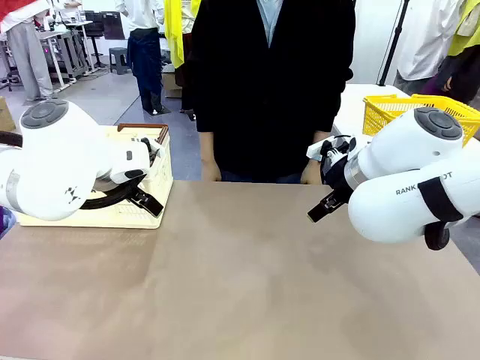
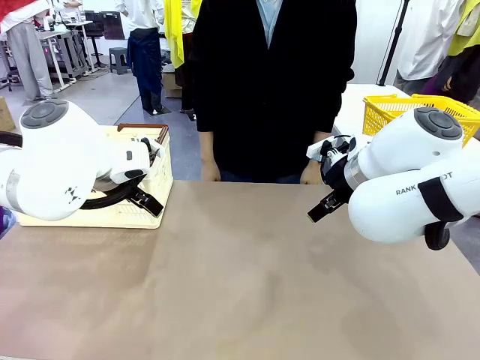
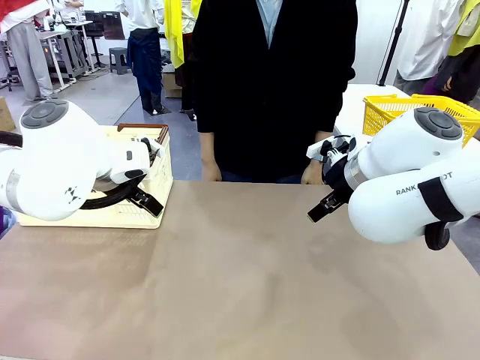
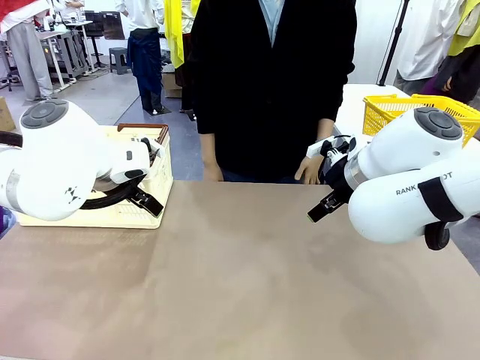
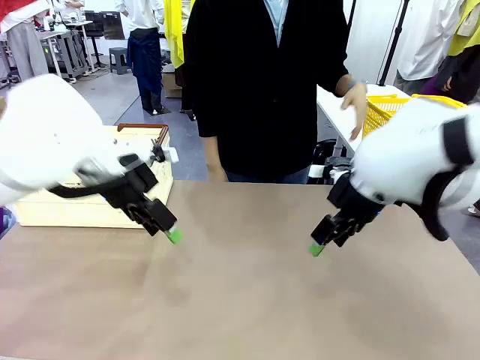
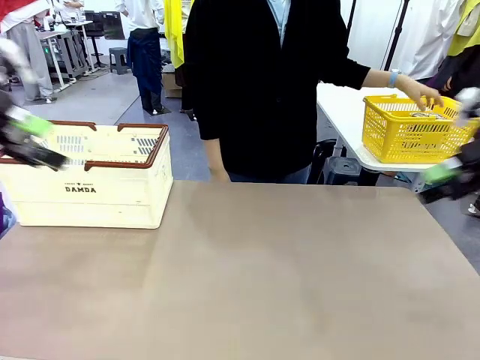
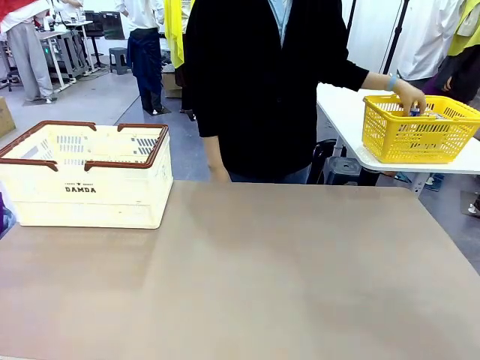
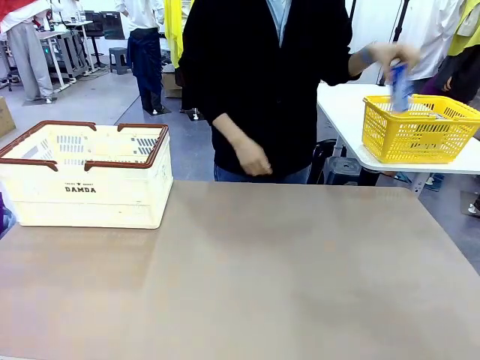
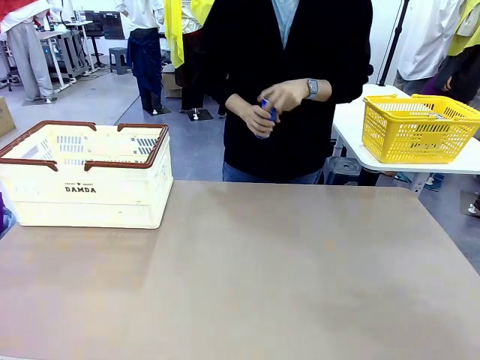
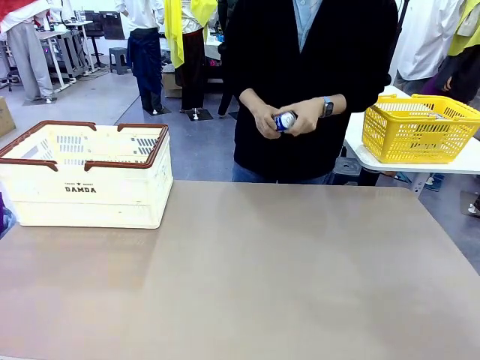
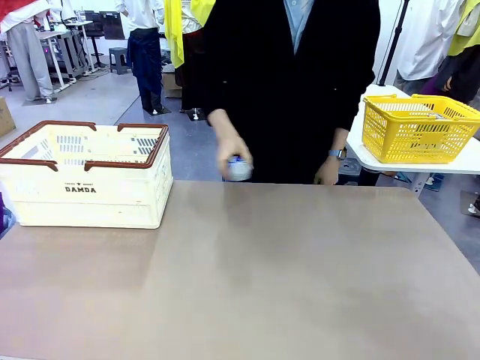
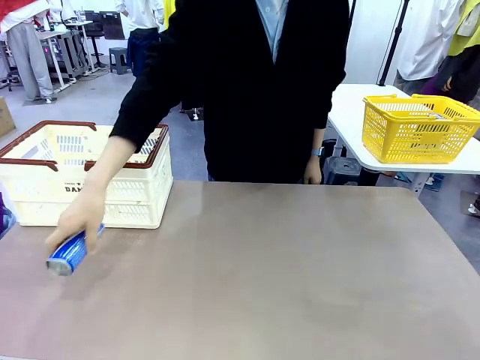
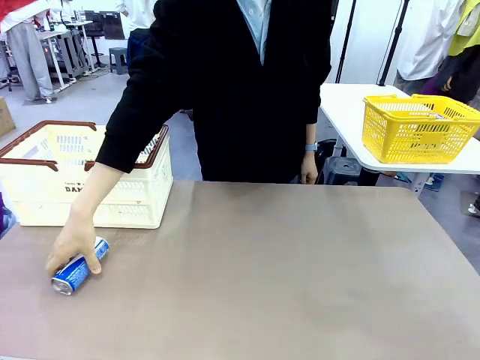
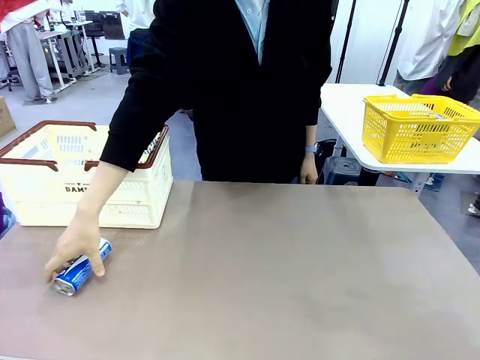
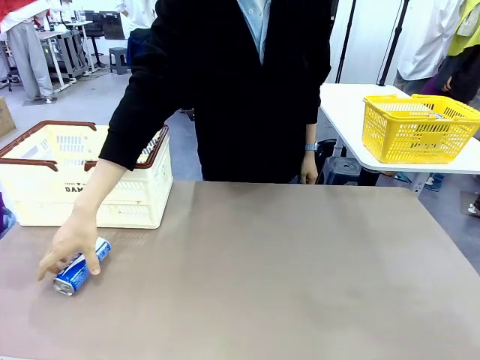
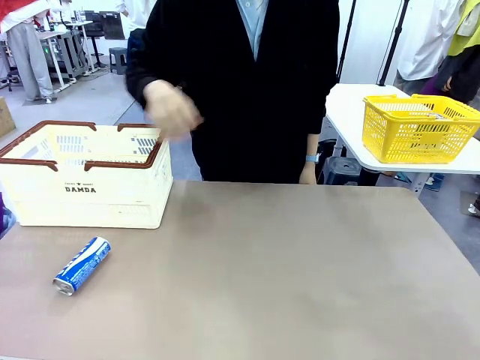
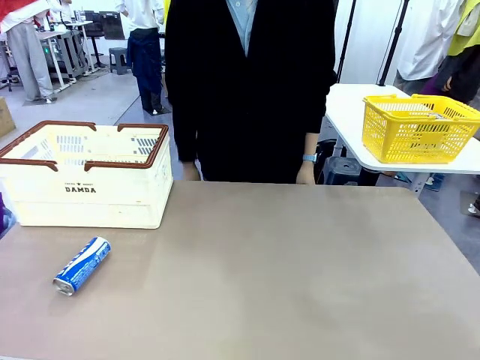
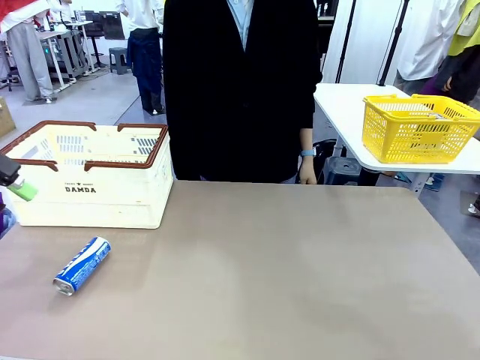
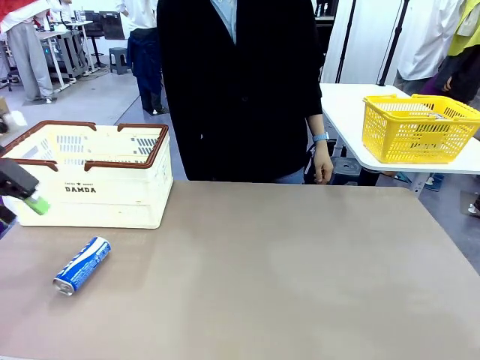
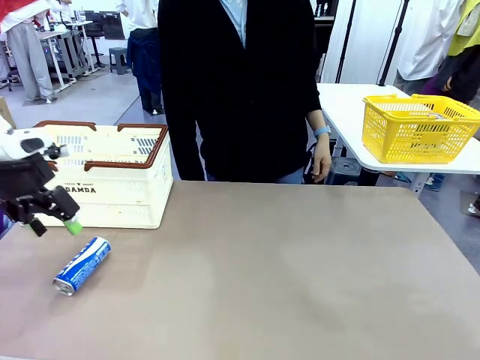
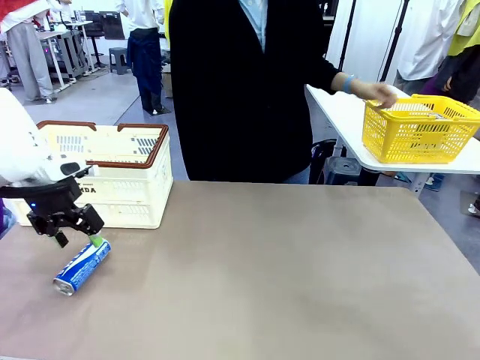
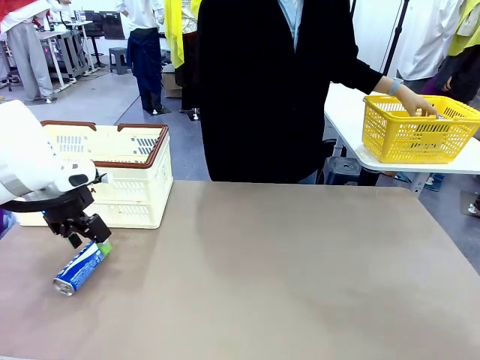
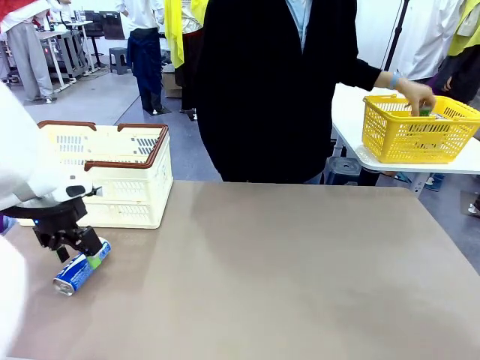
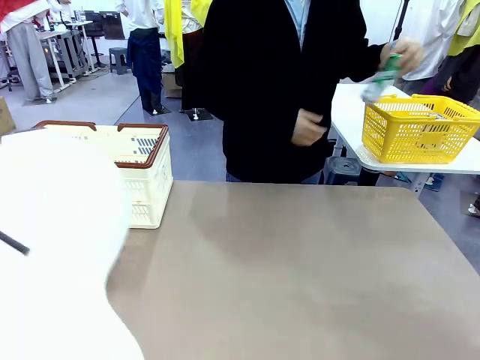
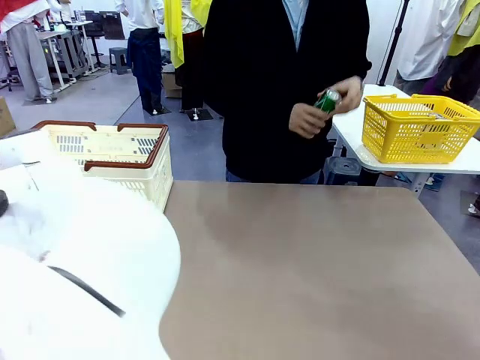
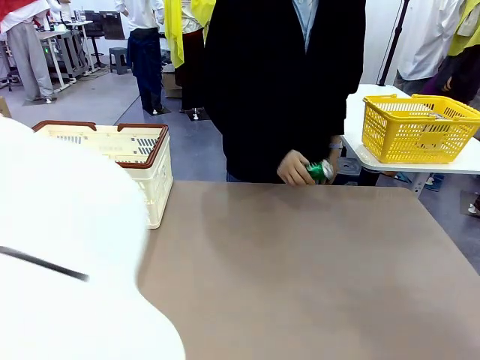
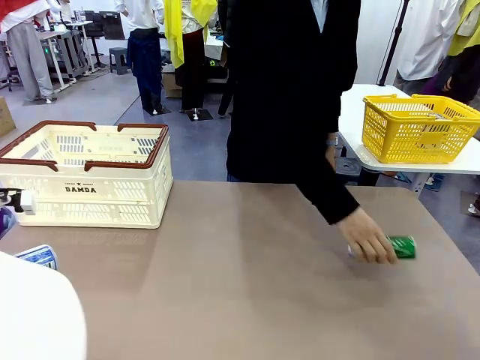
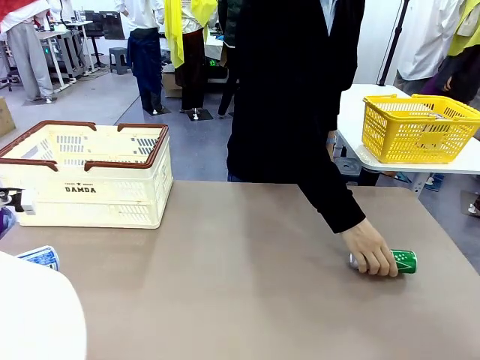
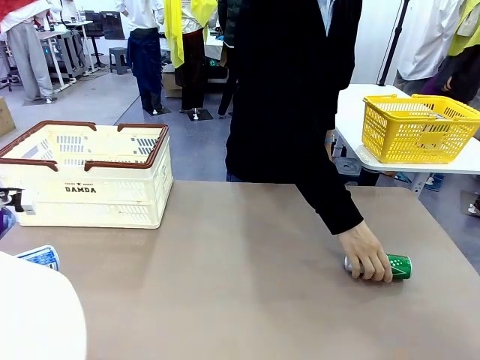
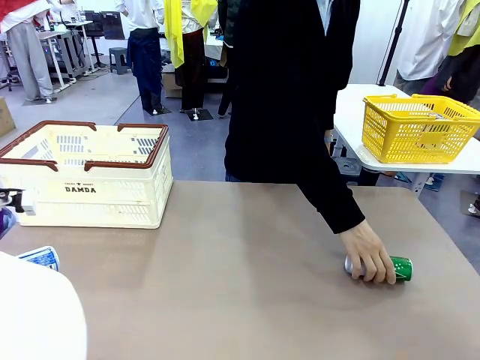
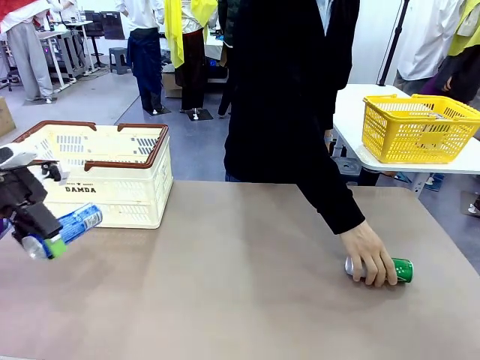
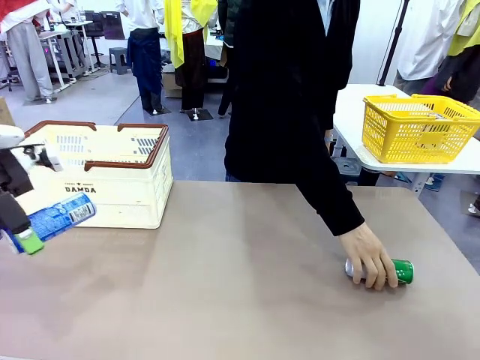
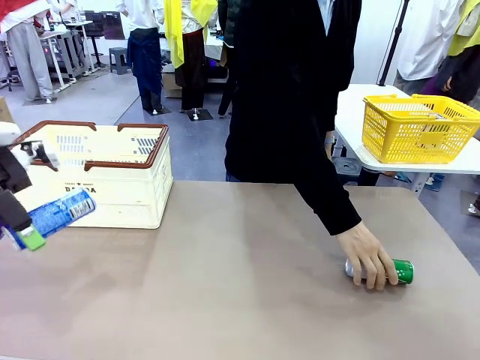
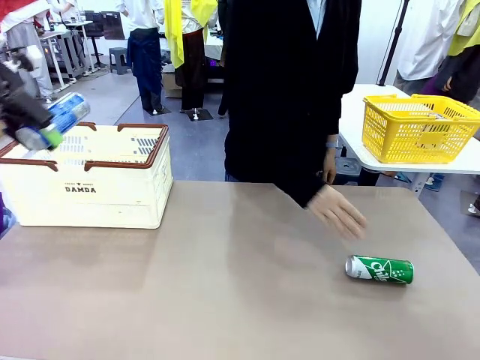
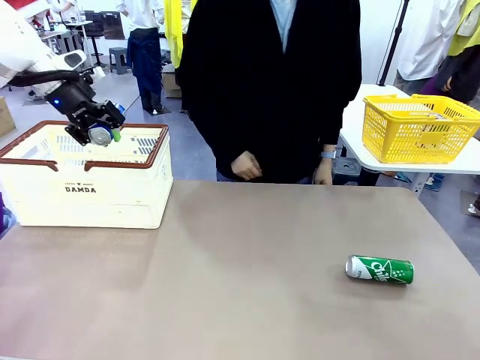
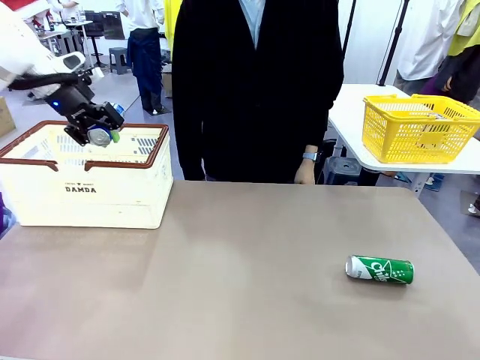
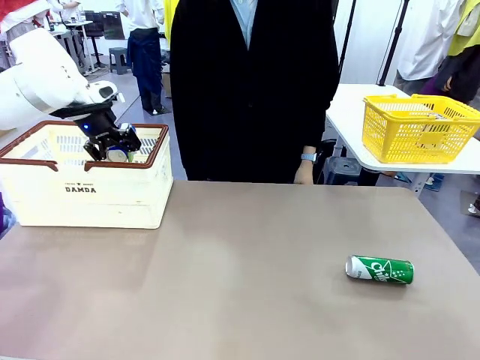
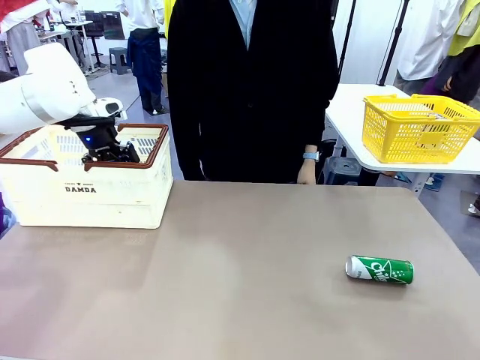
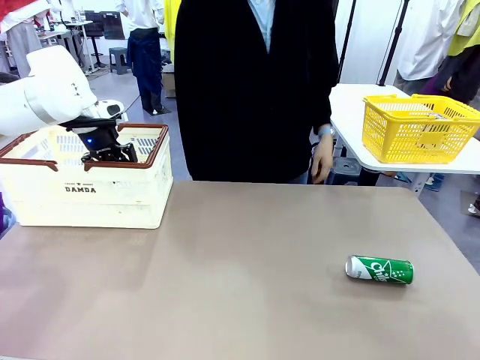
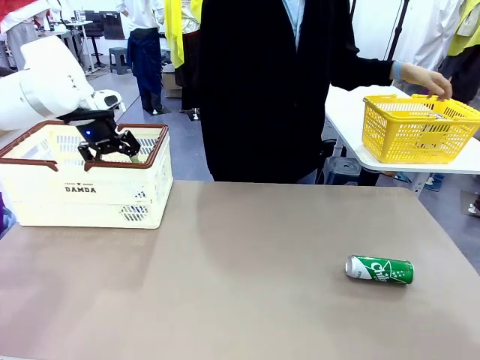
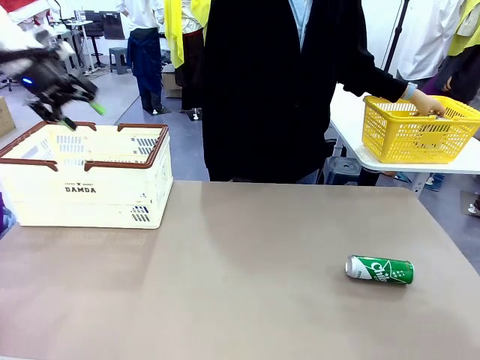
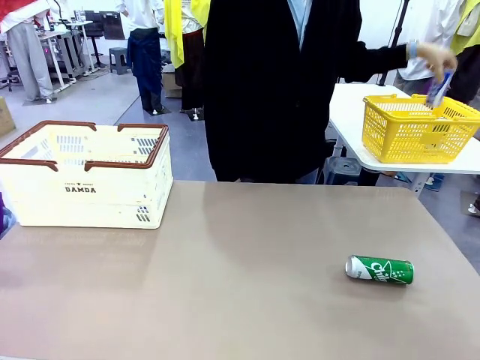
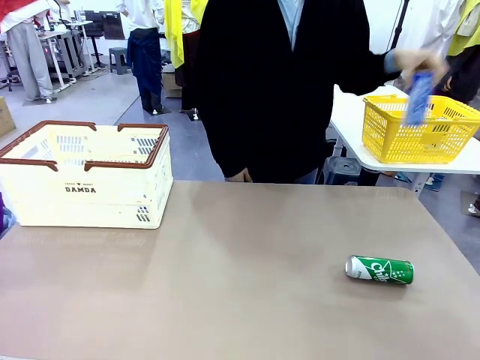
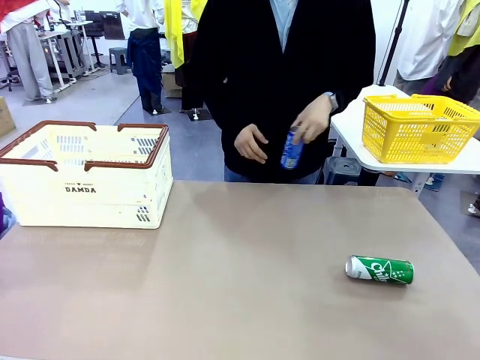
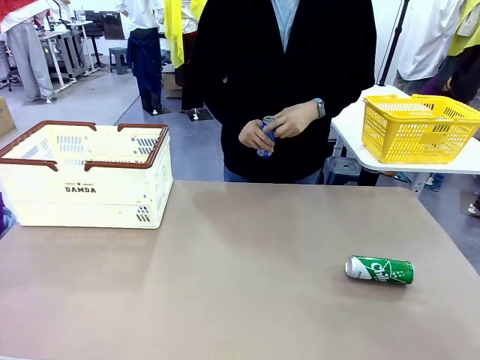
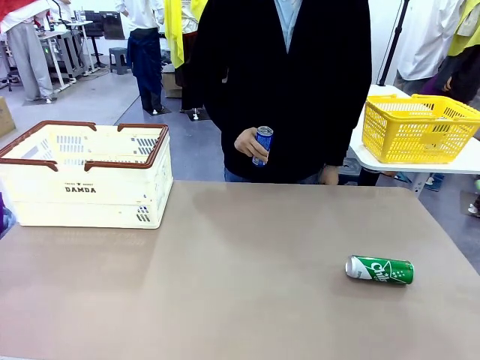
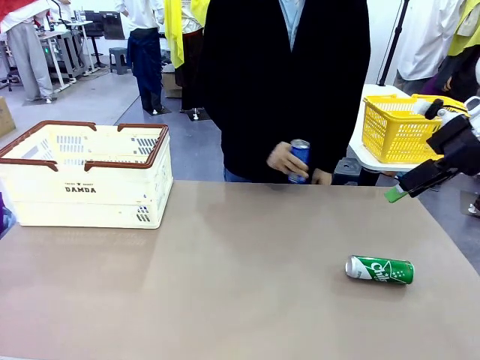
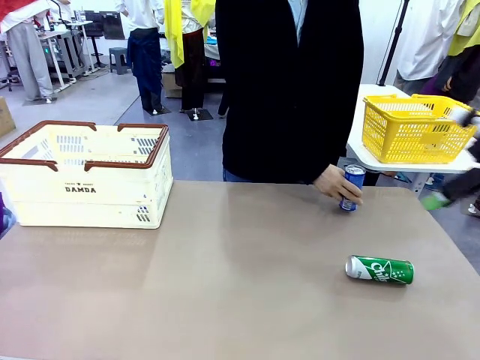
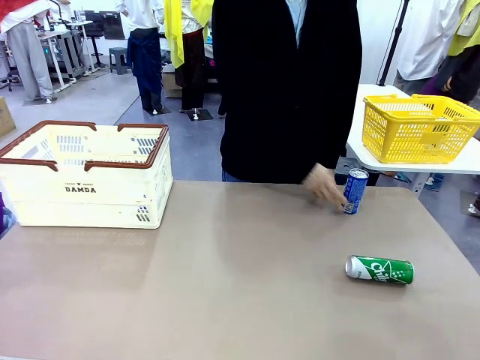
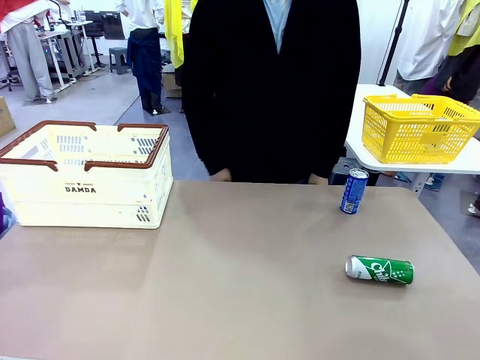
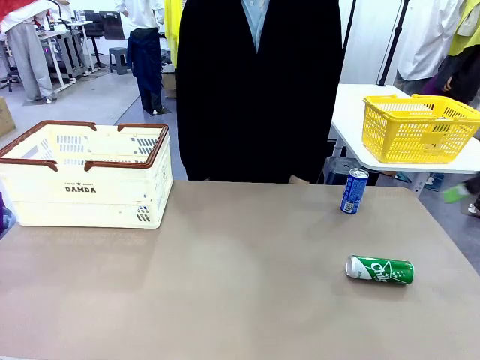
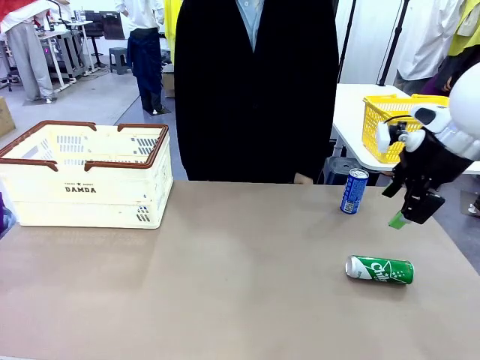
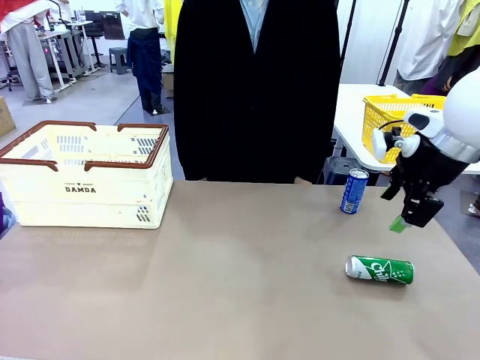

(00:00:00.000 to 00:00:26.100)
Task: Place the drinks into the Shopping basket.
Robot: Pick up one drink and place it into the Shopping basket.
